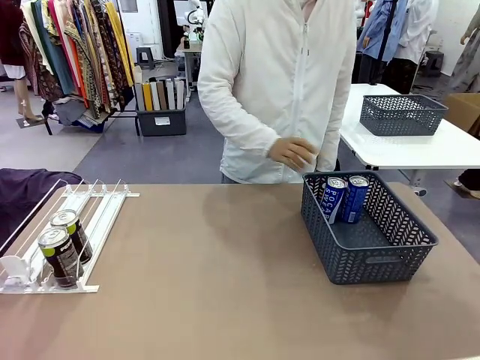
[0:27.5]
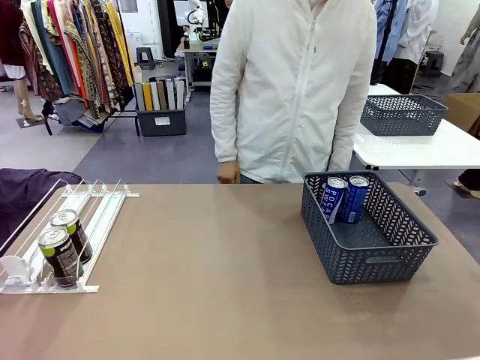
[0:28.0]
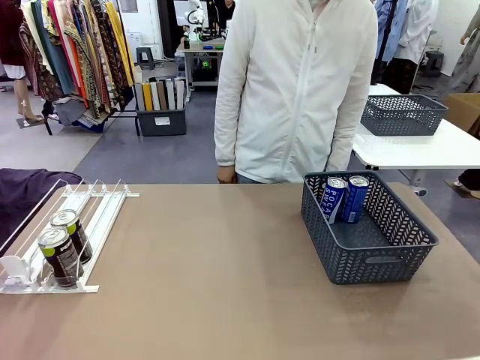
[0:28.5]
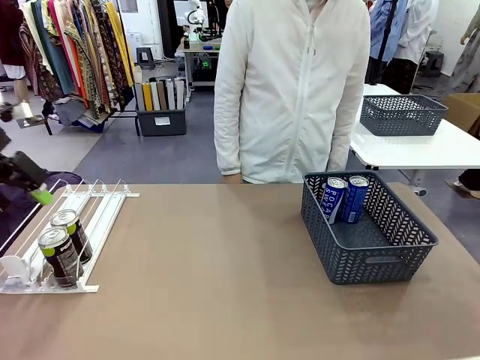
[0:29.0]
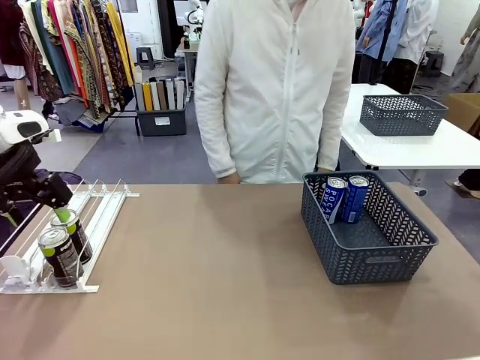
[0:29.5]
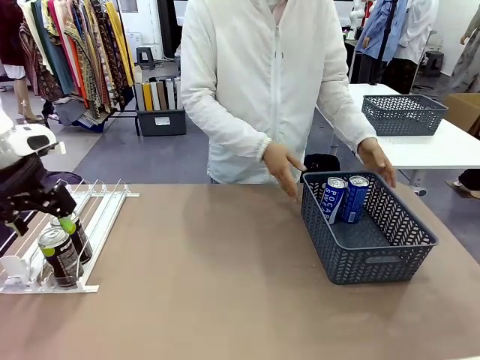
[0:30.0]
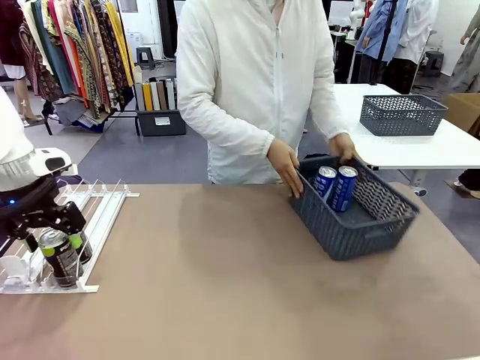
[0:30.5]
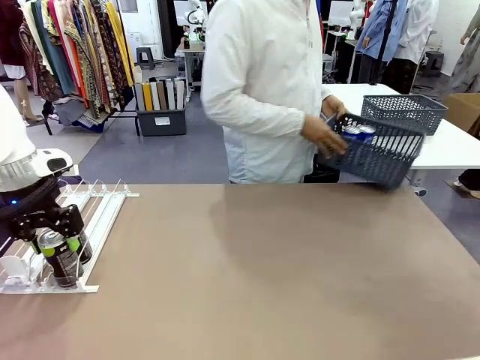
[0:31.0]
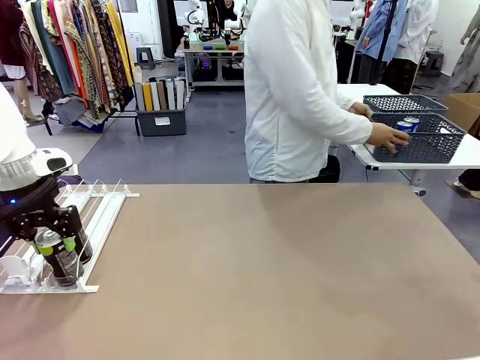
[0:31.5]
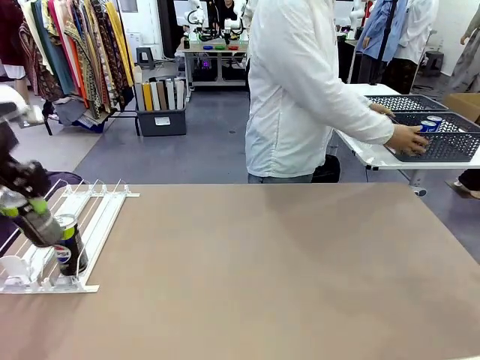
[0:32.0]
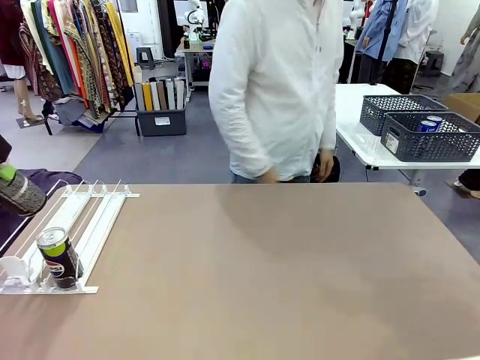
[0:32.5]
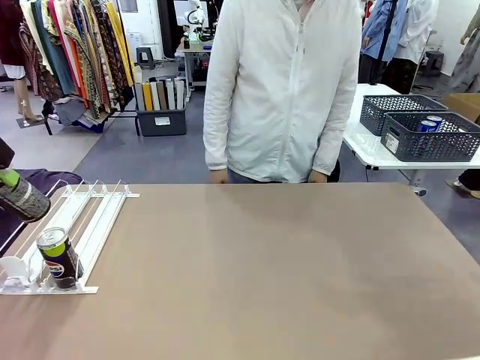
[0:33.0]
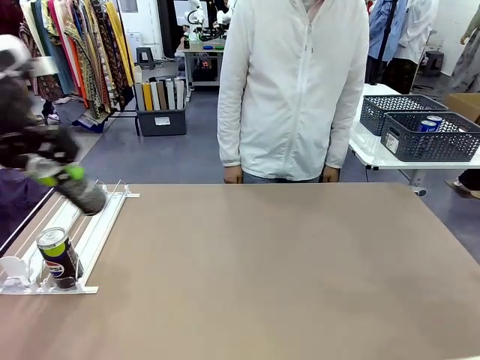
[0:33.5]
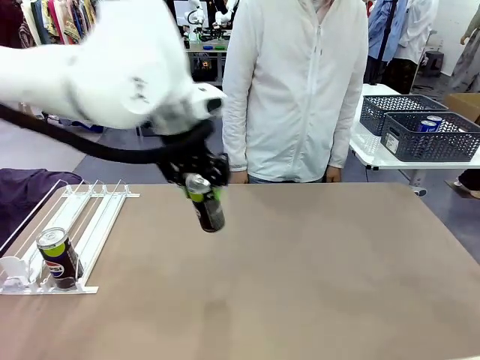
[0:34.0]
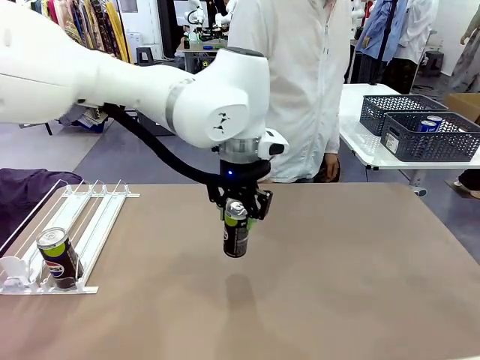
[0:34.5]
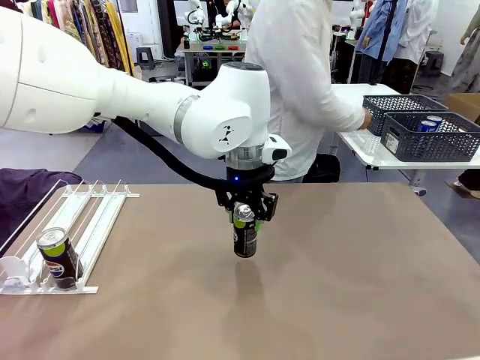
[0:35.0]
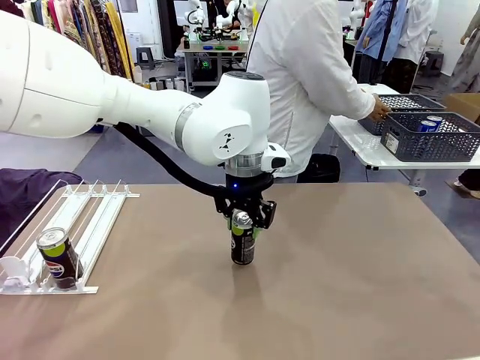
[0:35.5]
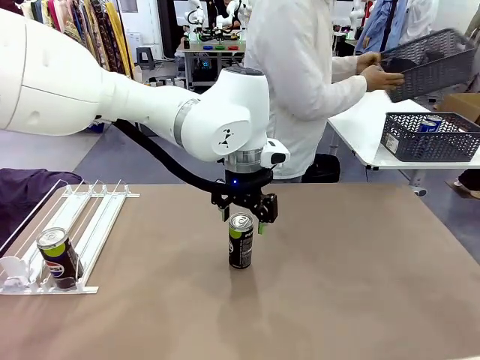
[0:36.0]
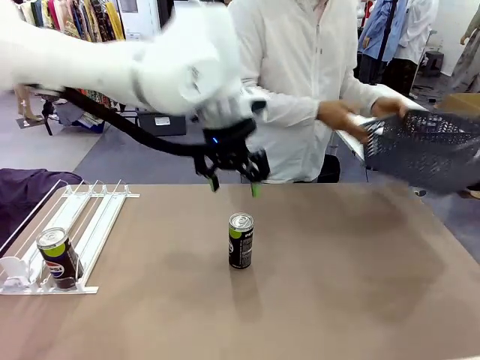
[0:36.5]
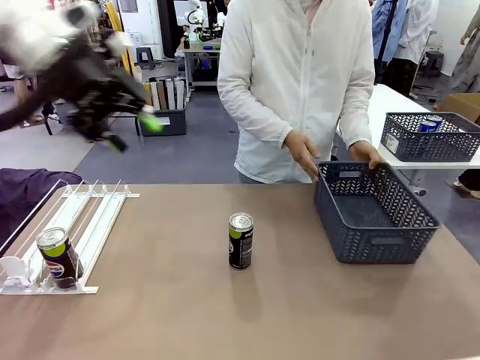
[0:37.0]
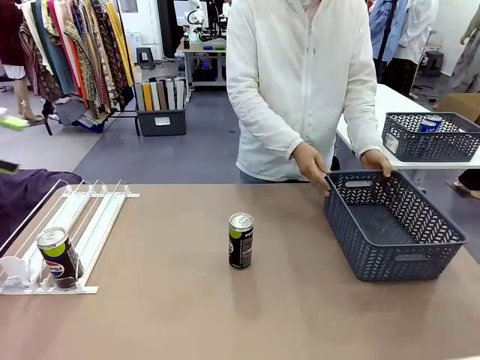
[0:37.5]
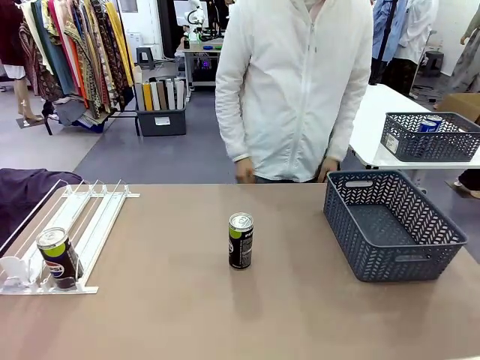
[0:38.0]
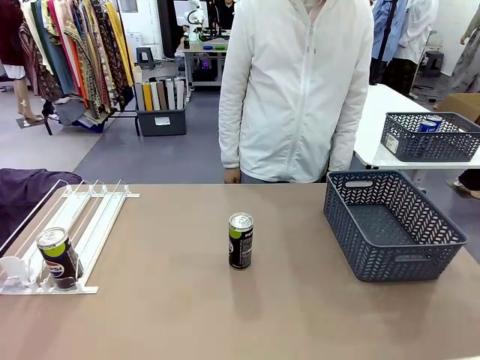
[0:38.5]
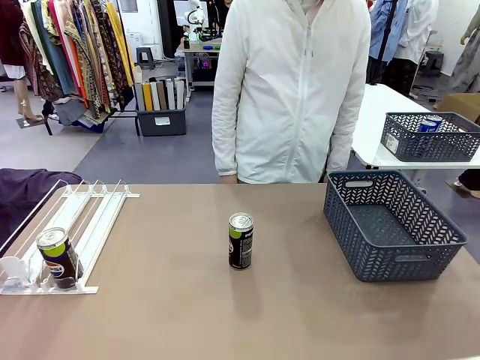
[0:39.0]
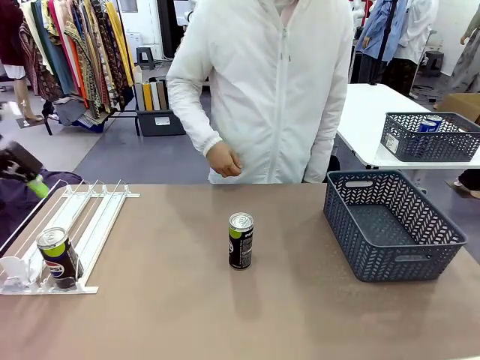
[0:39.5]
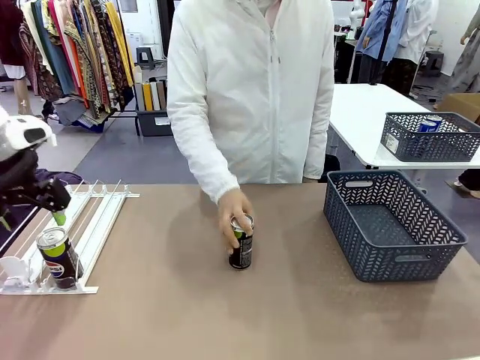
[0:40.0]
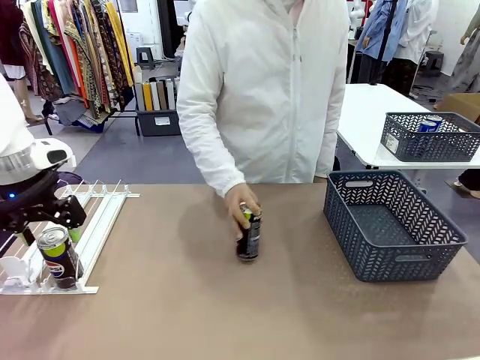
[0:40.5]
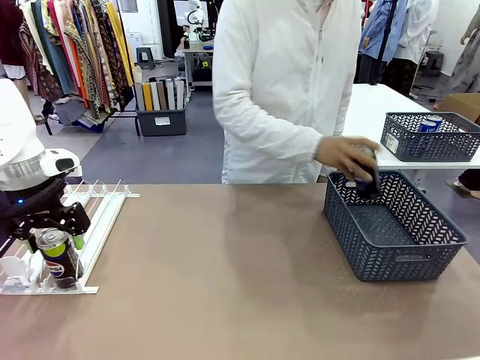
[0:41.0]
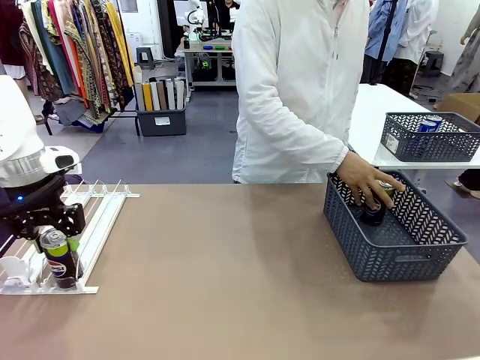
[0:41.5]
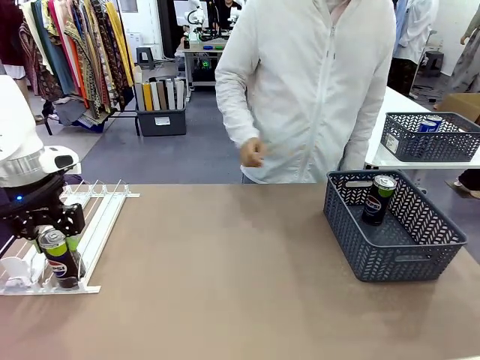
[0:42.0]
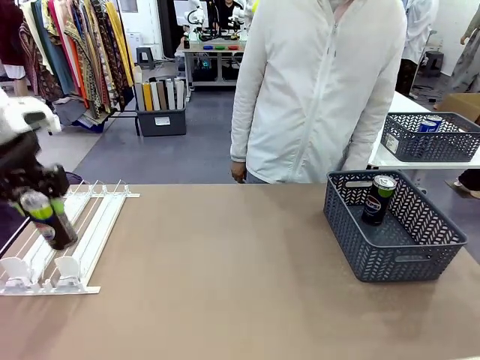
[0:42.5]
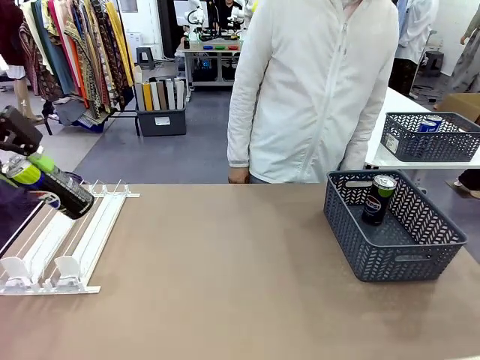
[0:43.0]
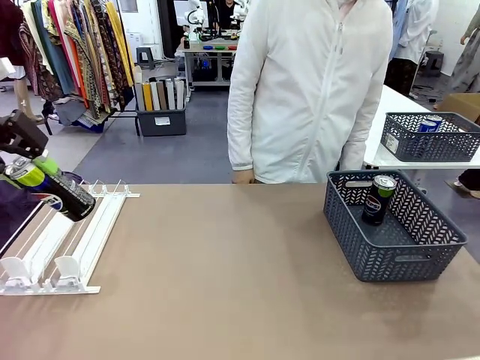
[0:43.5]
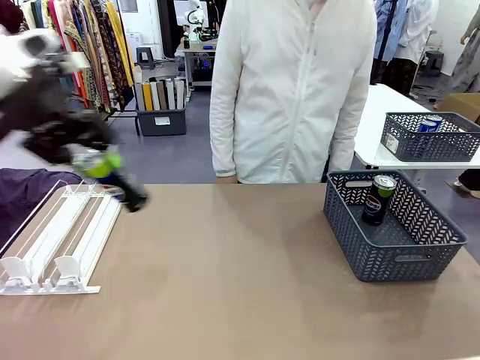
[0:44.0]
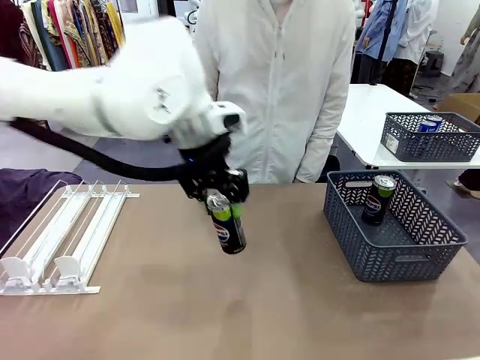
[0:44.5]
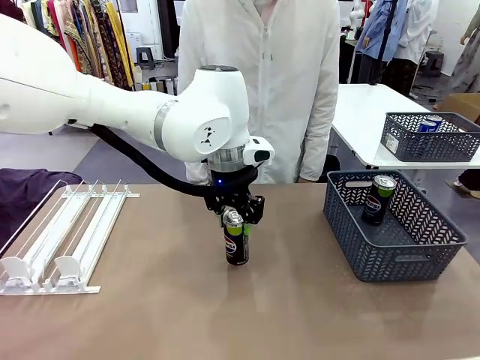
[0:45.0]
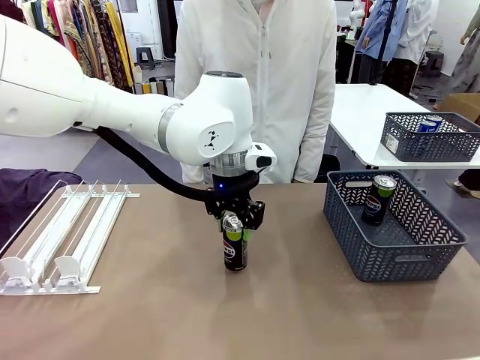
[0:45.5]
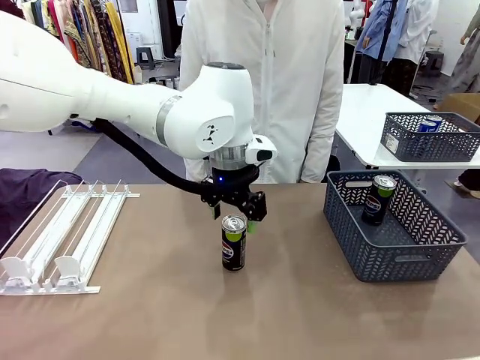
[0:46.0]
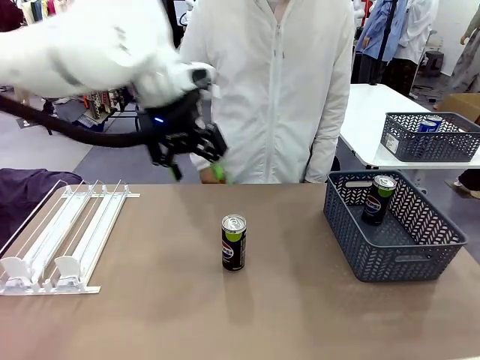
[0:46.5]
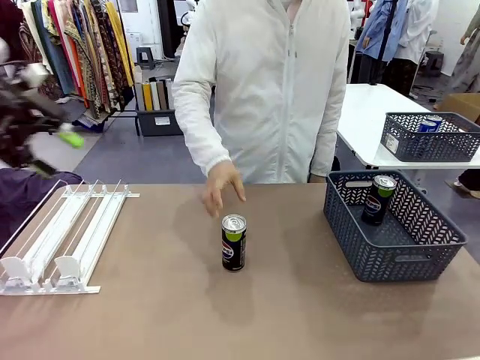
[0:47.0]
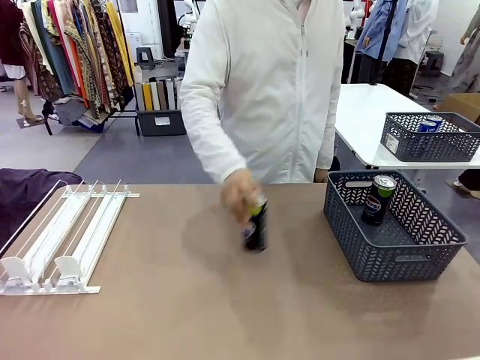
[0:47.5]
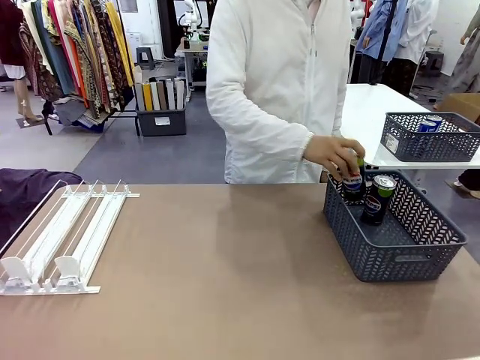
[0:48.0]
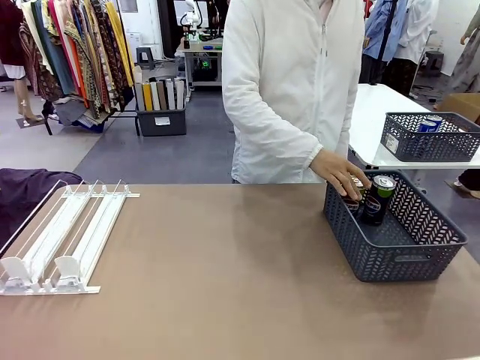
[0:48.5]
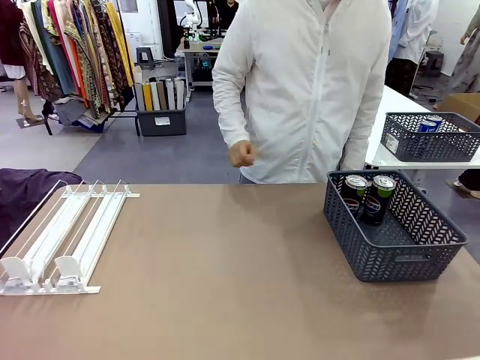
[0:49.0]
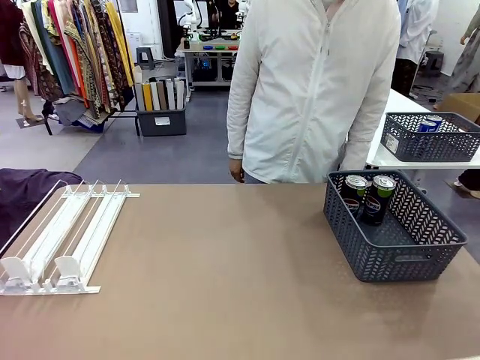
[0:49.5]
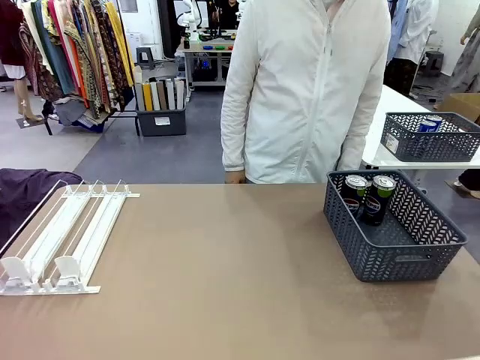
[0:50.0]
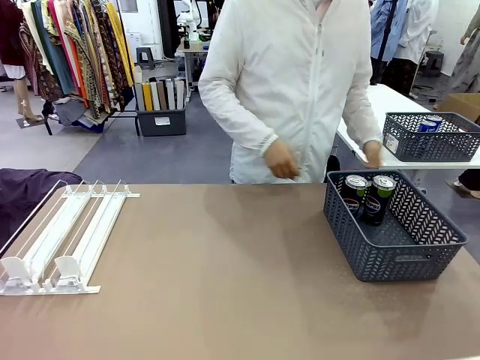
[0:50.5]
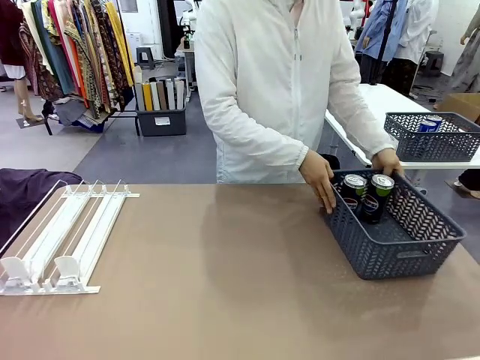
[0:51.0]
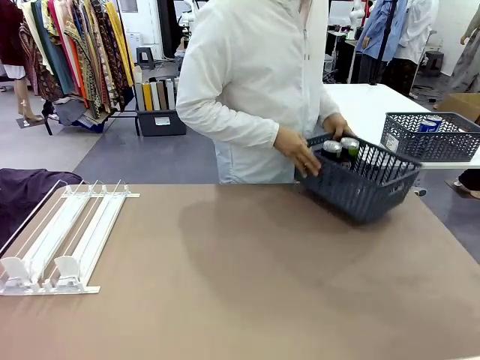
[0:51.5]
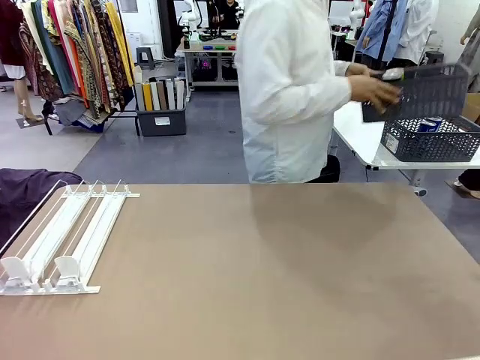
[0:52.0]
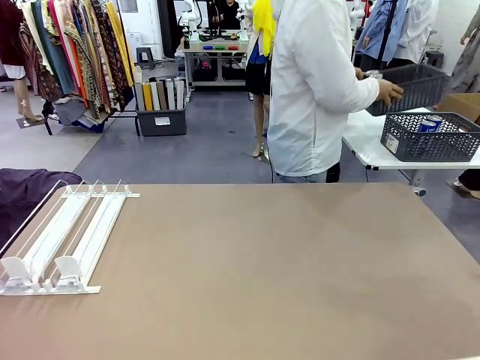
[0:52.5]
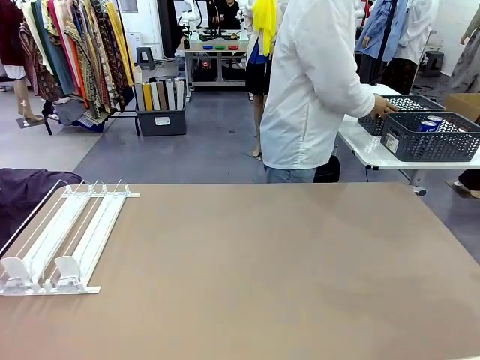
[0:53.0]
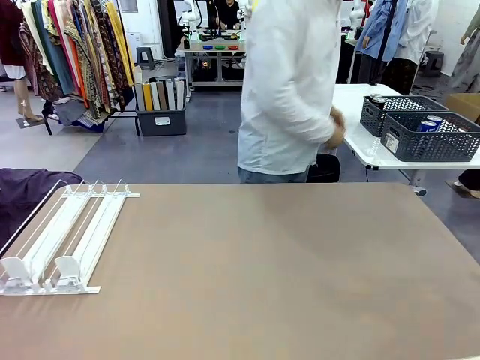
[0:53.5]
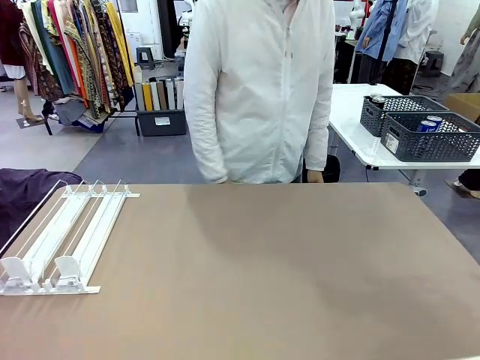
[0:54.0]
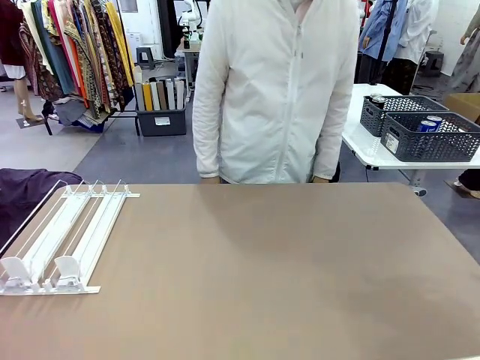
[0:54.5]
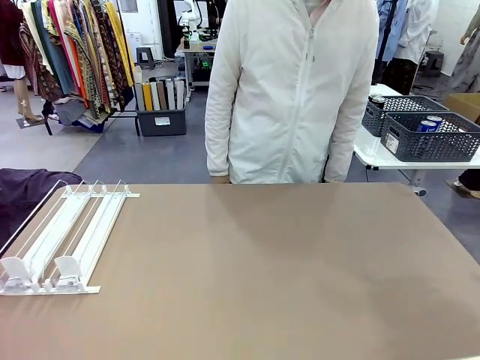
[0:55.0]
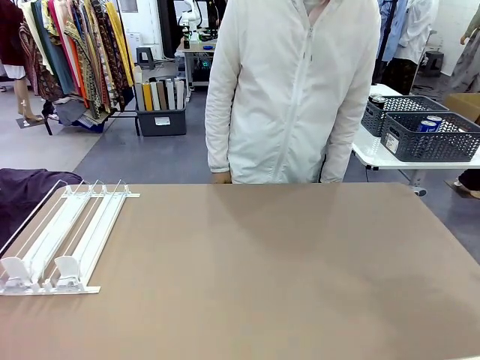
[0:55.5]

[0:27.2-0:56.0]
Task: Retrieve and store the cans from the dispenser.
Robot: Pick up one can from the Automatic Can Dispenser and place it in the middle of the table.
Person: Pick up the basket and place it in the middle of the human table. Pick up the empty basket and place it on the left side of the robot table. Pick up one sports drink can from the middle of the robot table and place it in the basket. Pick up the basket and place it in the middle of the human table.
